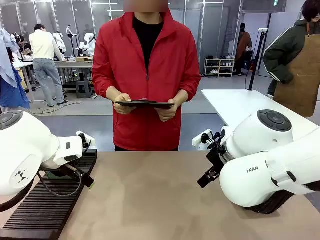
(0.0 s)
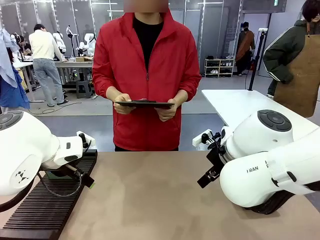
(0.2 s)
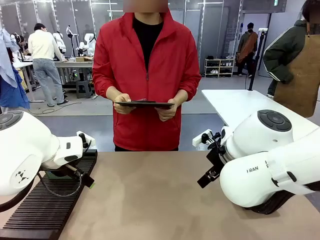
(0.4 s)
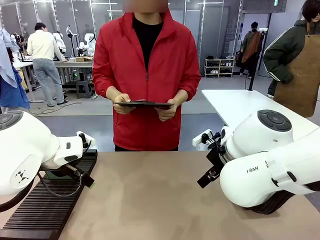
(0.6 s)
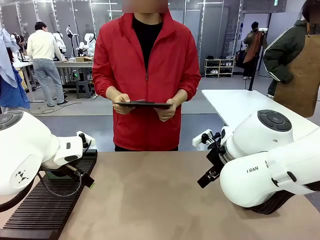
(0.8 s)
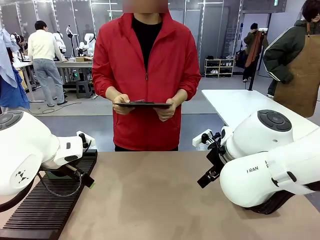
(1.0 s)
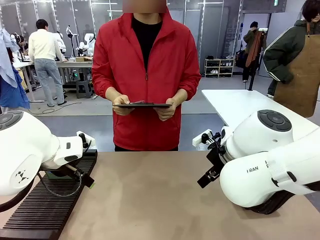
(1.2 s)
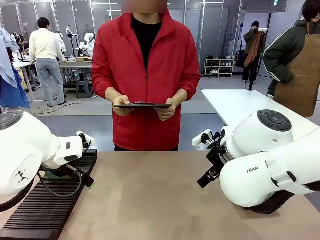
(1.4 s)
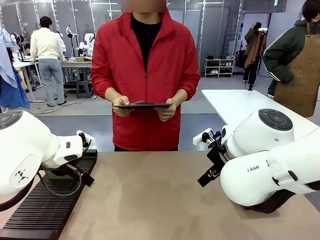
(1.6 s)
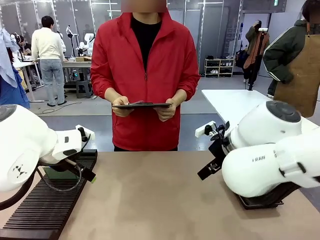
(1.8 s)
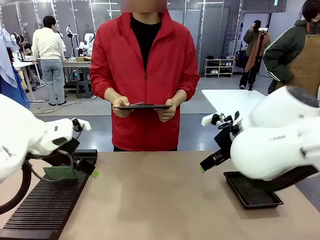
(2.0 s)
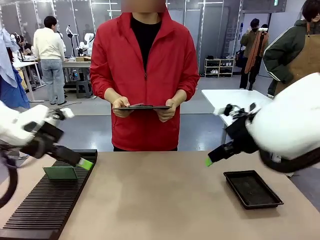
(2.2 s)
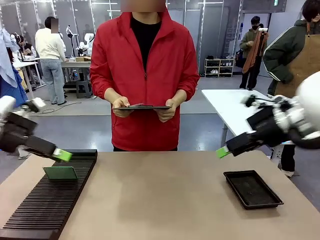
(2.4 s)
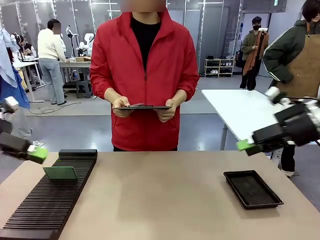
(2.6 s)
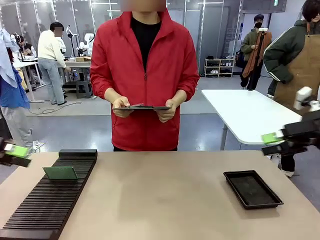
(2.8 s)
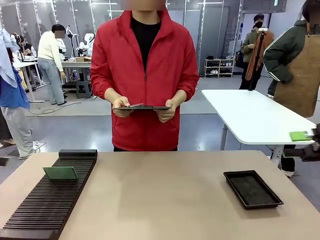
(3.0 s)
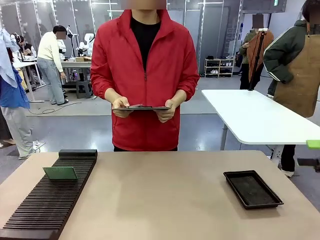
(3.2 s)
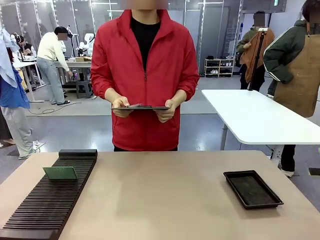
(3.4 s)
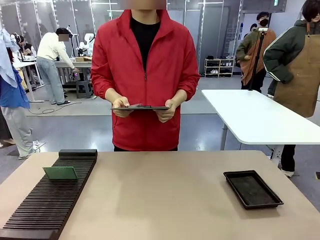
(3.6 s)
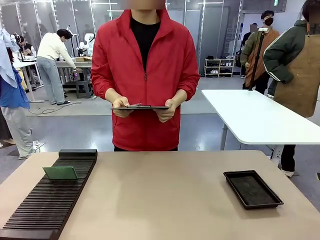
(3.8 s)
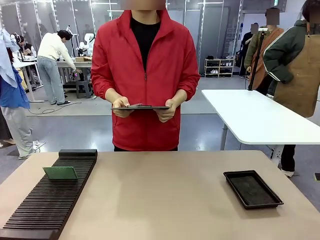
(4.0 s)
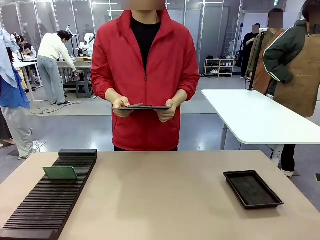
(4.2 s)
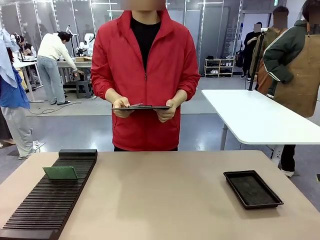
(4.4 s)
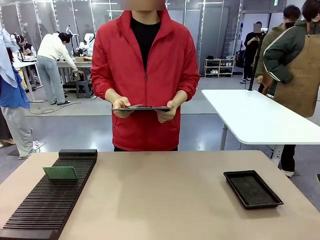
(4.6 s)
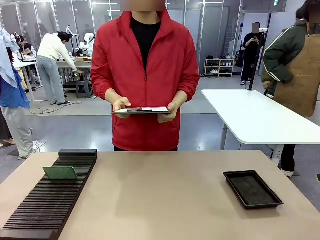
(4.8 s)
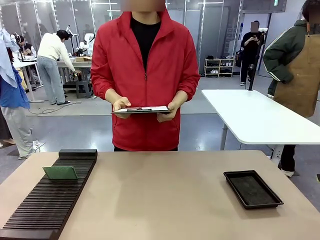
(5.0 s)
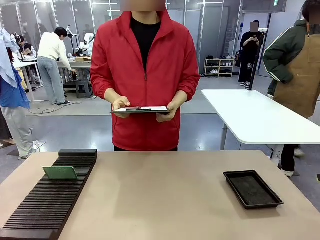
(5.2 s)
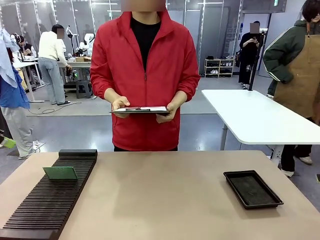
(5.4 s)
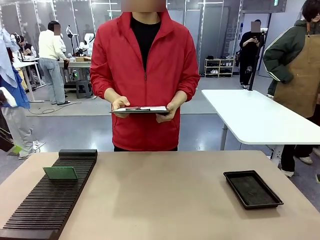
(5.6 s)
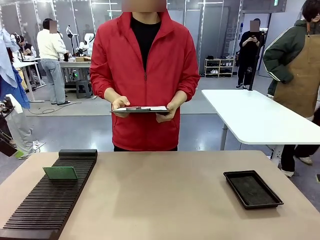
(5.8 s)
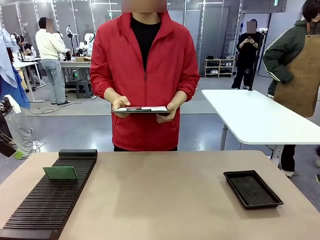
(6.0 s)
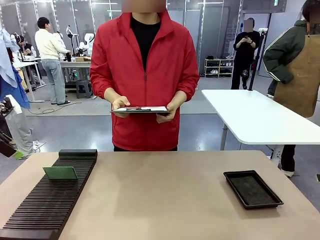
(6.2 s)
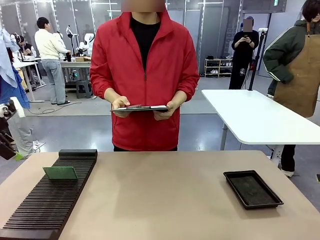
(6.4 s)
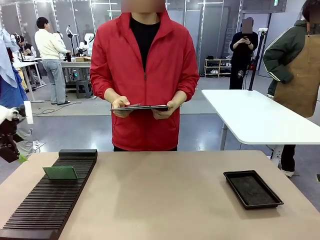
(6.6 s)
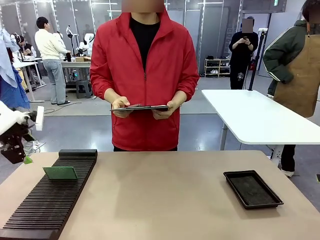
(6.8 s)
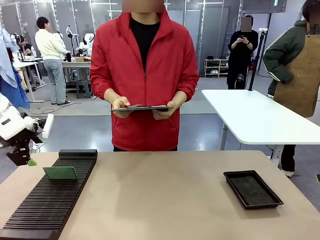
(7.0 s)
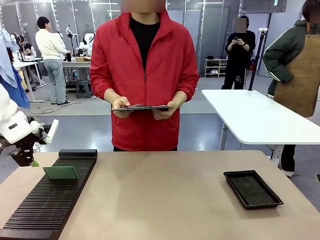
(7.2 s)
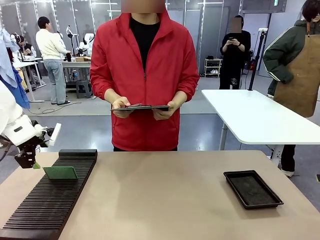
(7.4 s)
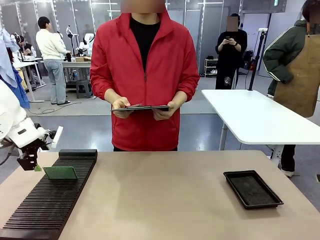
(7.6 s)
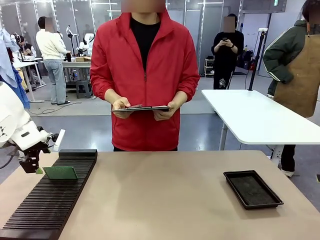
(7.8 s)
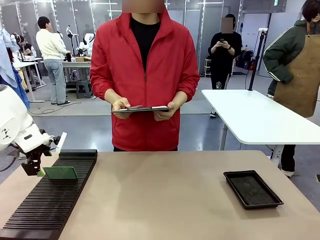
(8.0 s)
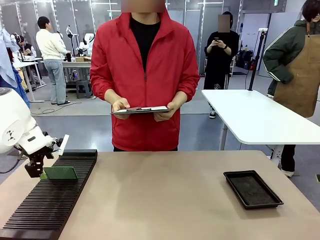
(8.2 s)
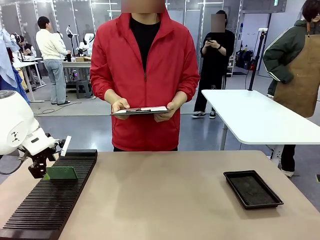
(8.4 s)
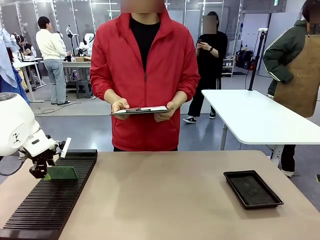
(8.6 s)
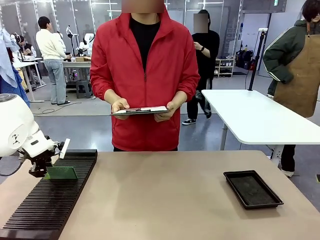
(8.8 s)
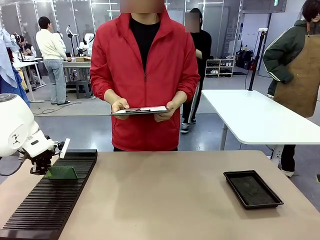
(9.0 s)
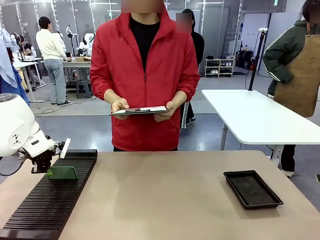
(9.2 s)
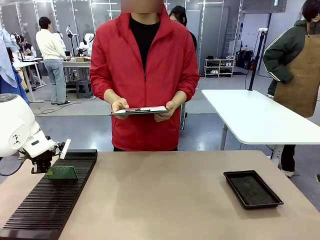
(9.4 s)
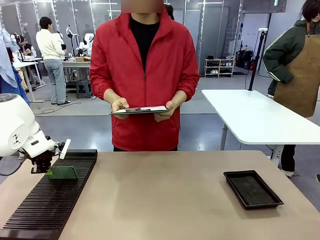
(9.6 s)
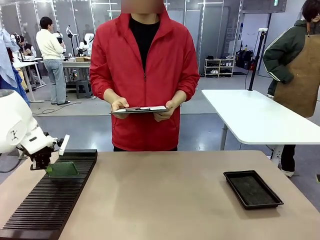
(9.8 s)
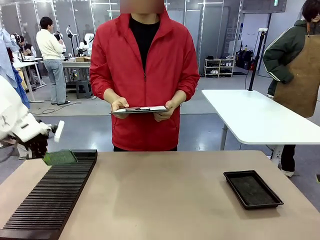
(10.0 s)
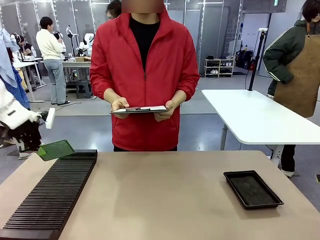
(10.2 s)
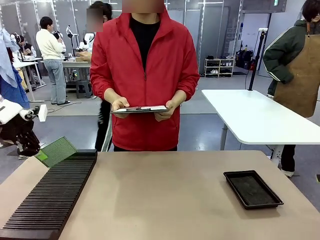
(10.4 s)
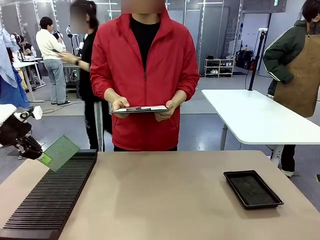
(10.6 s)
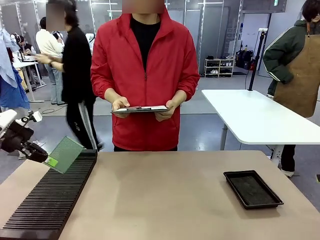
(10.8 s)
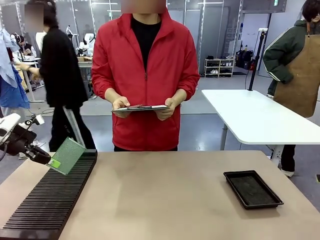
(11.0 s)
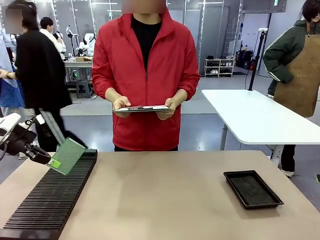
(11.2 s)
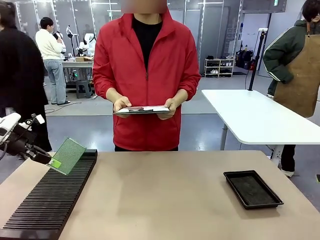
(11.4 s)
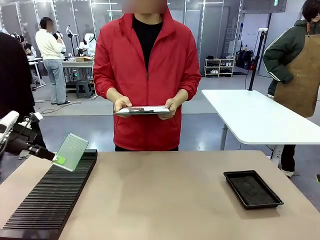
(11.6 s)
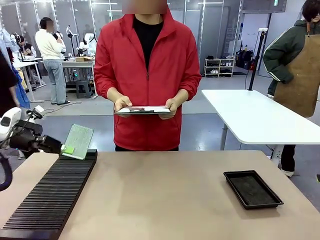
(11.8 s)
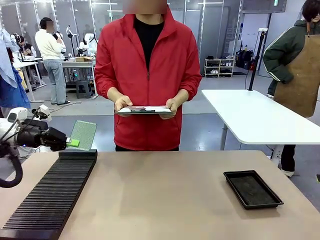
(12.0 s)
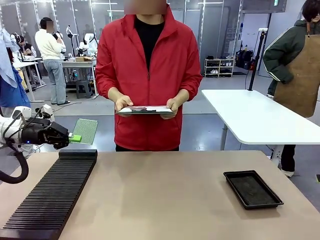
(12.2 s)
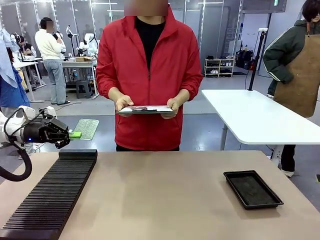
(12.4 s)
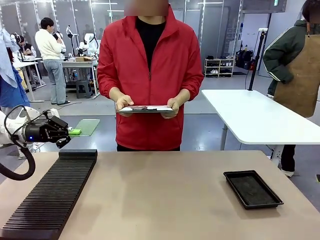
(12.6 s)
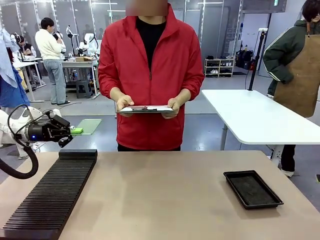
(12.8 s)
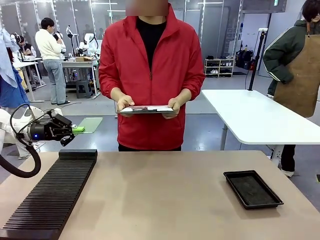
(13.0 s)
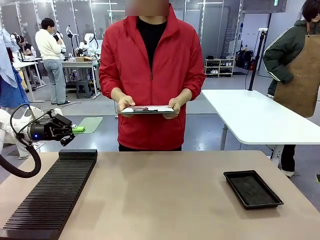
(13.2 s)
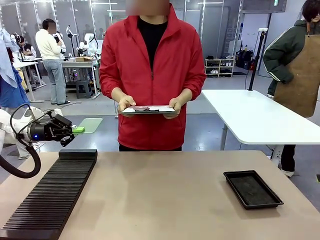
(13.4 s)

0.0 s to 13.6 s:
Task: Inspect the PCB.
Robot: Pick up the Blank PCB and present it to the human.
Person: Pick up the PCB presented by the robot.

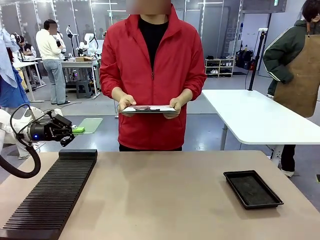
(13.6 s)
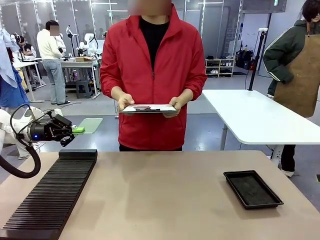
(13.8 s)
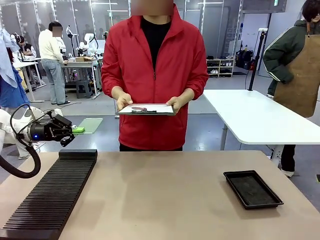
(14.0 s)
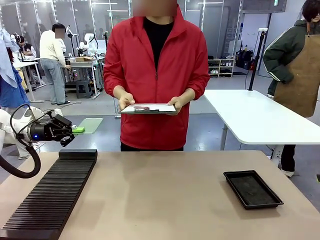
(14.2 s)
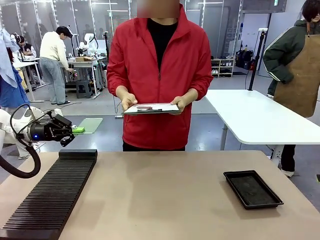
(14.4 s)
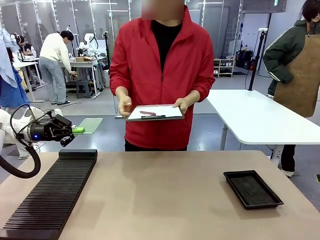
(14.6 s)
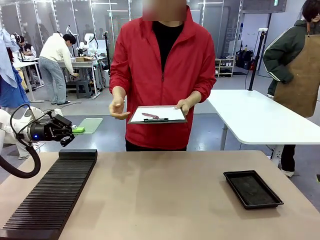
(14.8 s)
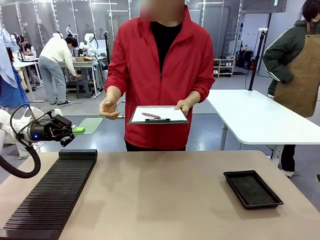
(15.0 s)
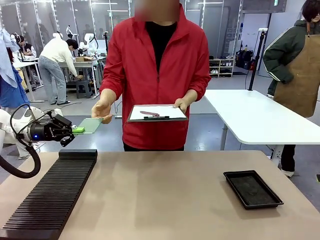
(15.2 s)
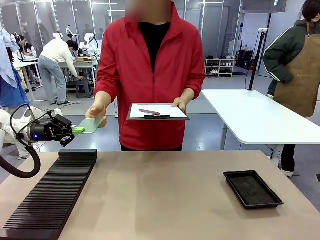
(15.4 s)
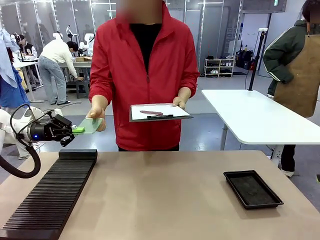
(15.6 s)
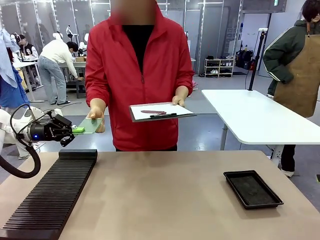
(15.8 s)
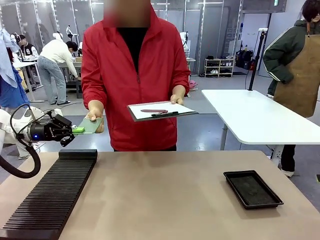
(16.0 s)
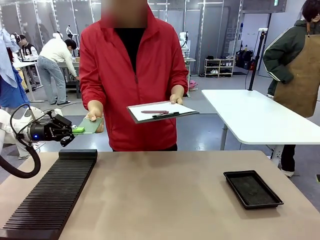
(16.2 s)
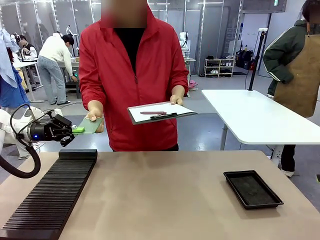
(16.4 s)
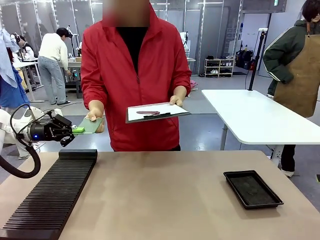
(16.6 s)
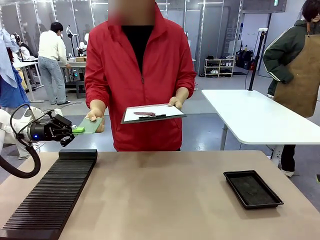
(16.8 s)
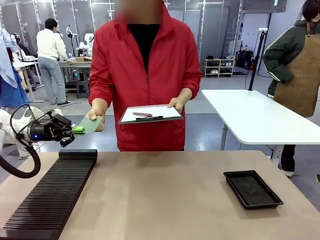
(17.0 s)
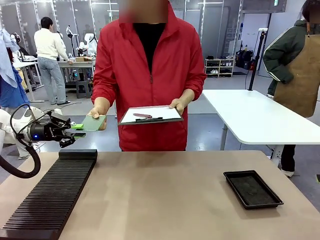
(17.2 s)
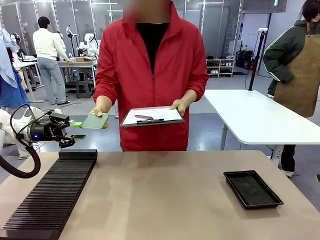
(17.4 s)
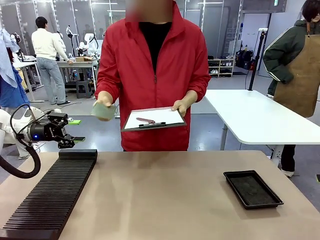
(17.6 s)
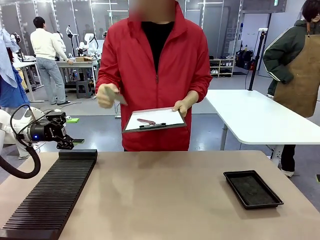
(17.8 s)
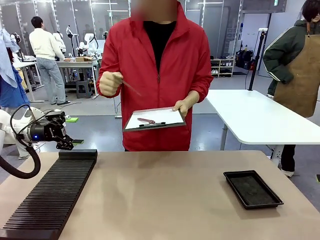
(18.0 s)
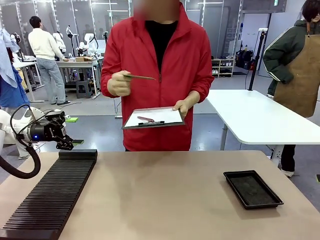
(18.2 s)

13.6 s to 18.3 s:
Robot: Release the Blank PCB you were holding.
